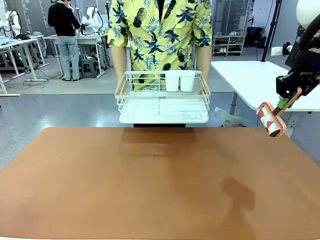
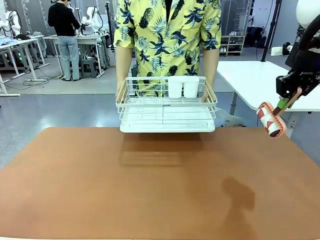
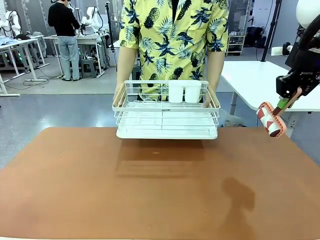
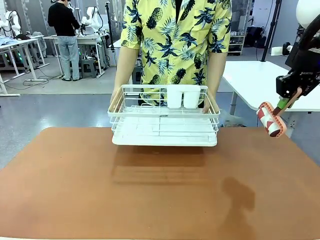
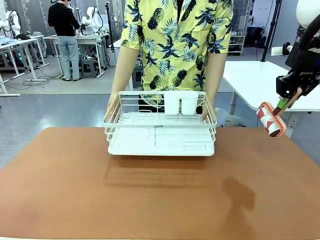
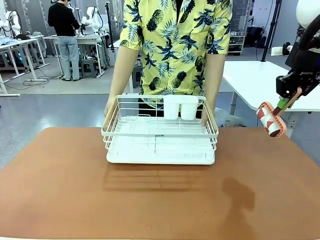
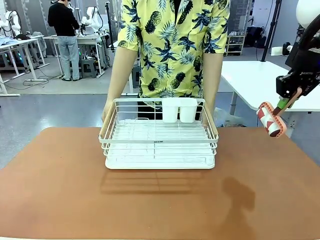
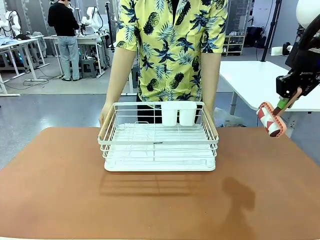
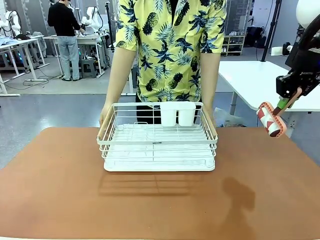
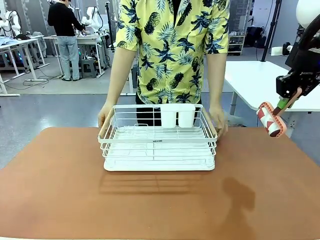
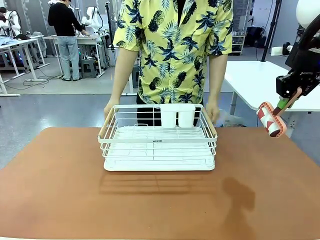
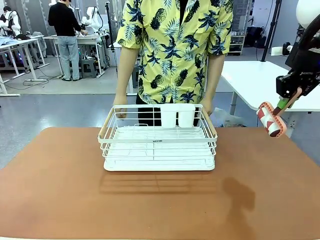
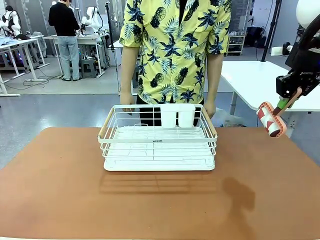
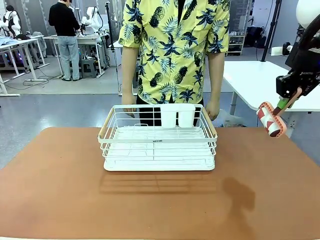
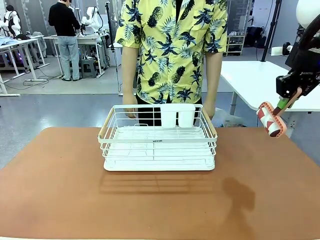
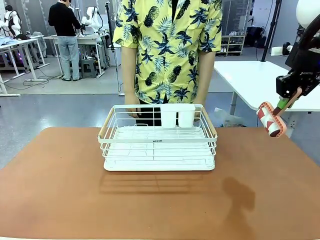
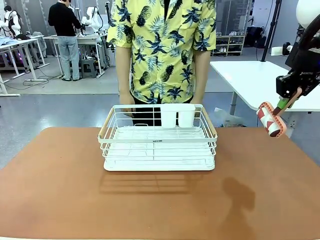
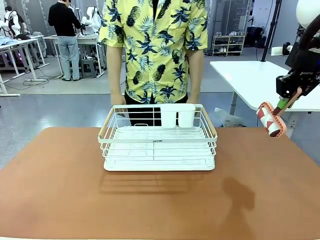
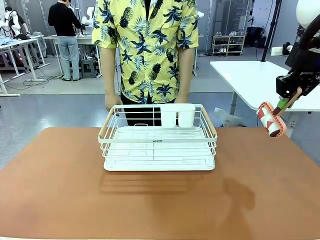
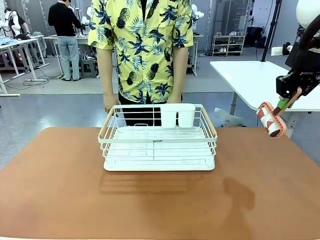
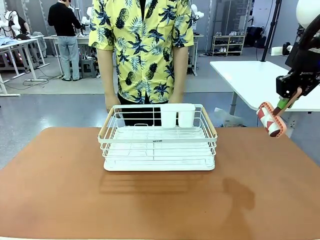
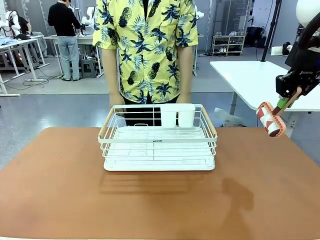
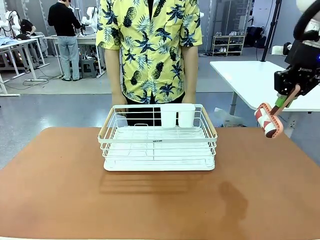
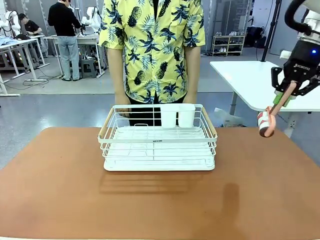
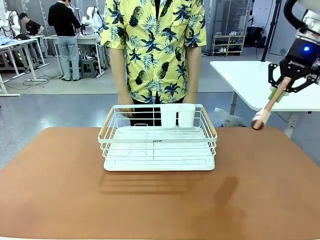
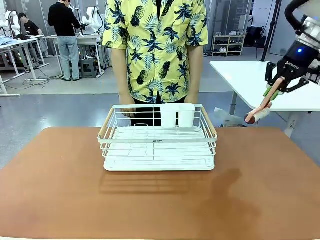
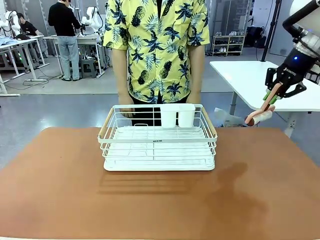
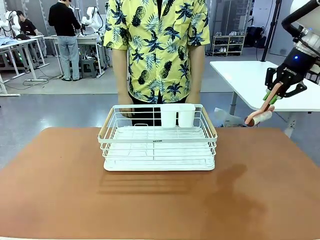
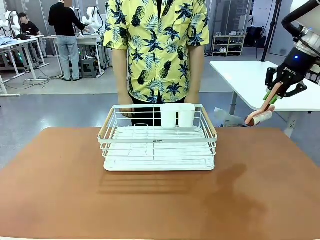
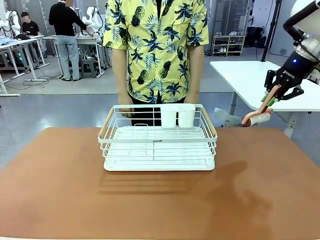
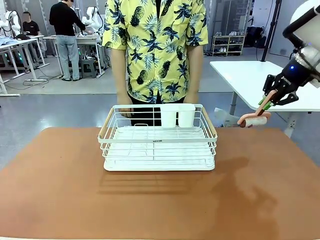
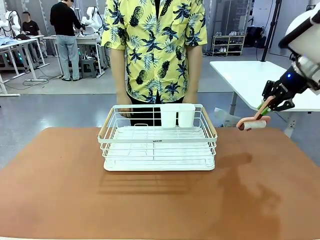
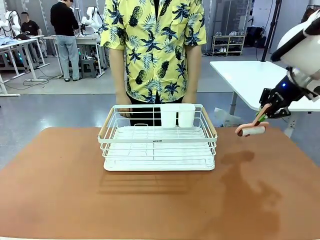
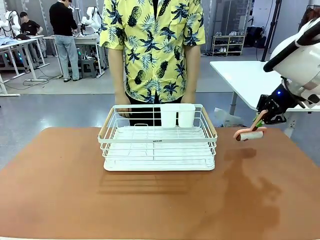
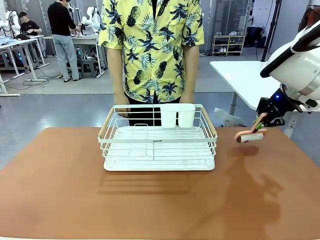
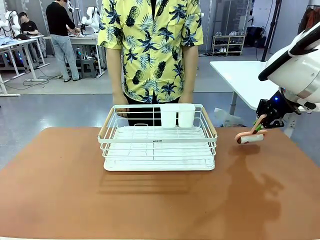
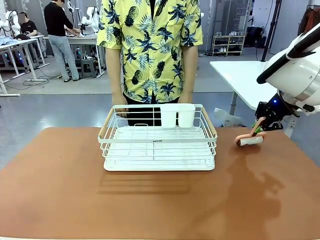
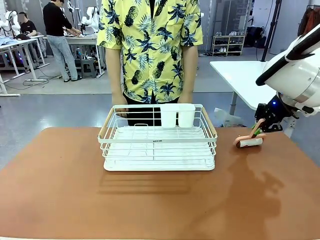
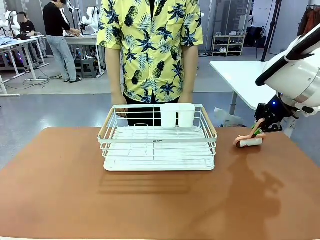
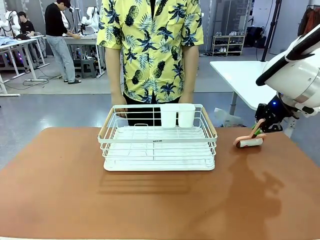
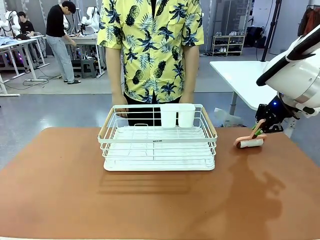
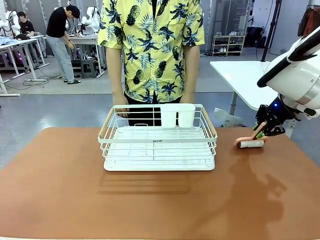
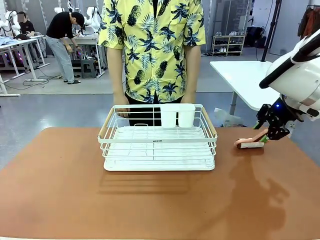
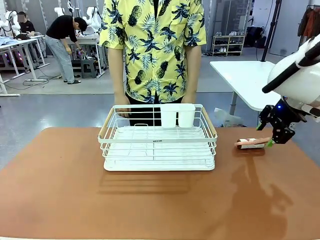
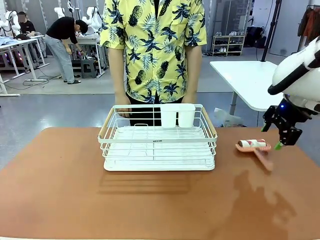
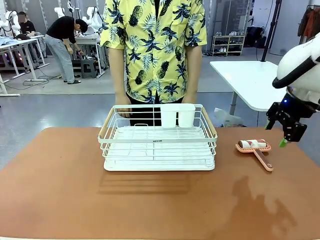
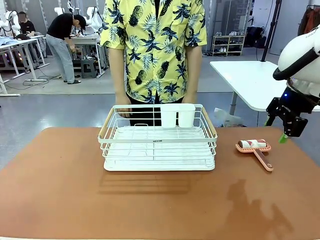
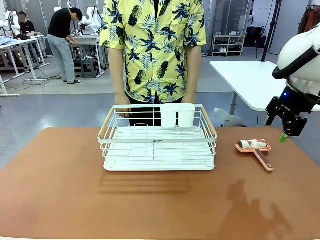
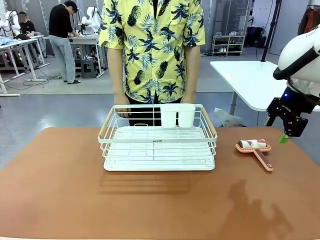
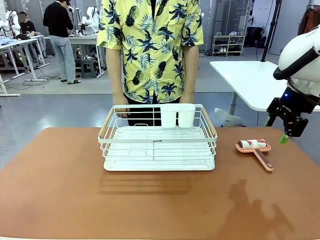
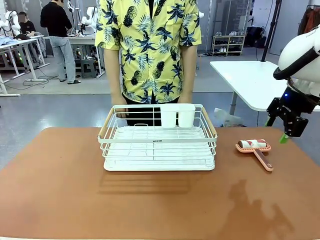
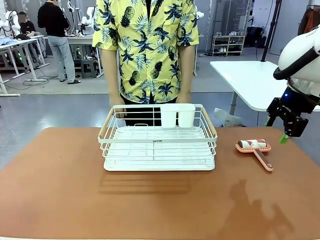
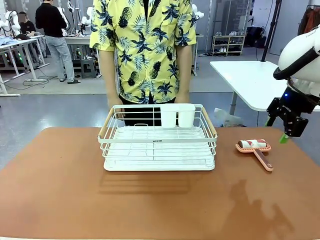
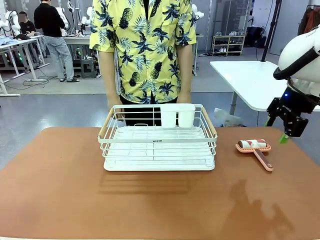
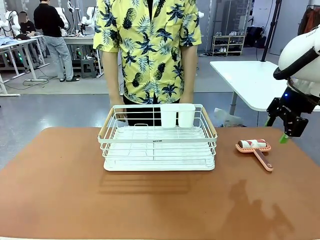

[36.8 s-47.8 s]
Task: Clean the table.
Robot: Place the Lint Roller down when the Dish drying rack is positioned in the middle of the table.

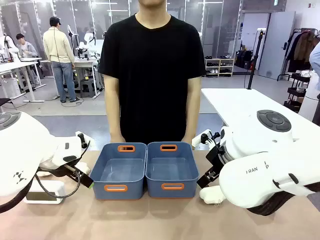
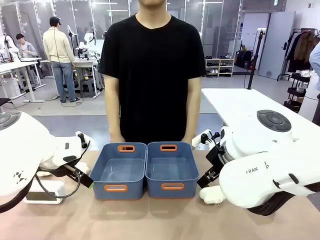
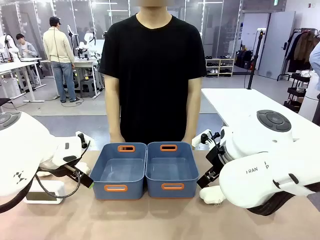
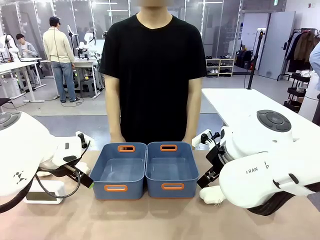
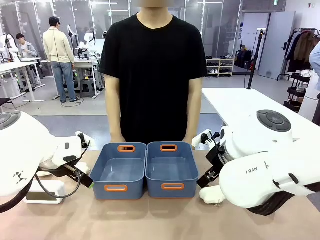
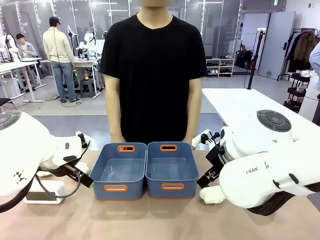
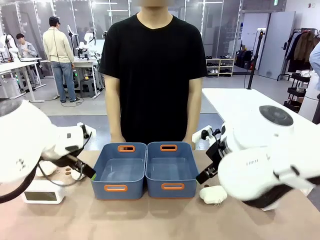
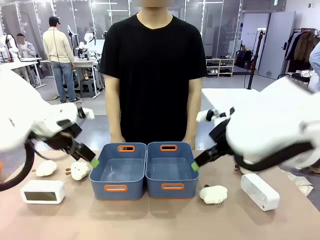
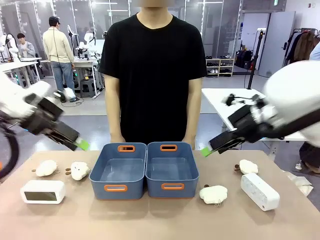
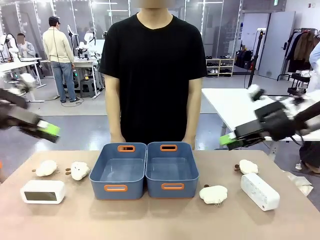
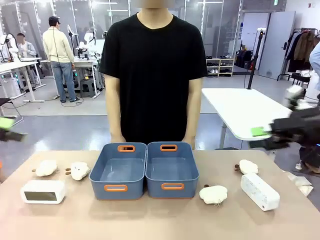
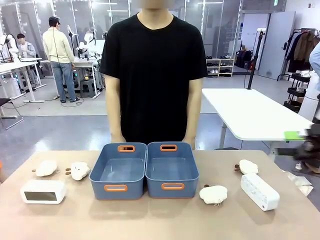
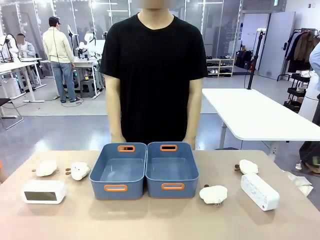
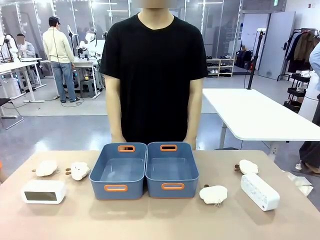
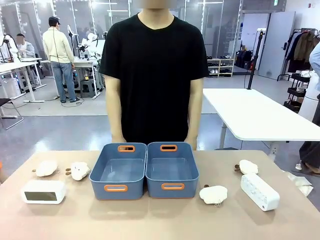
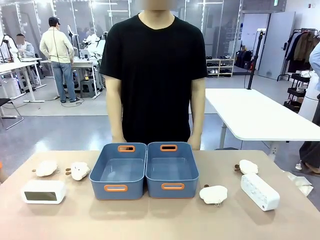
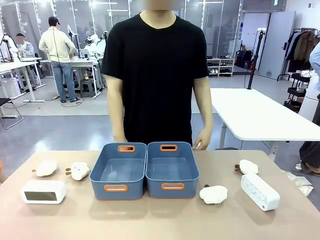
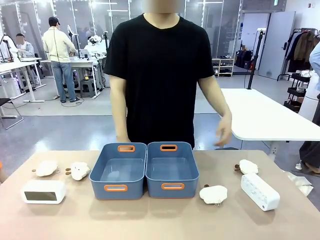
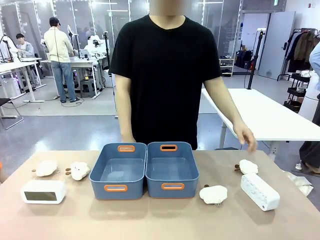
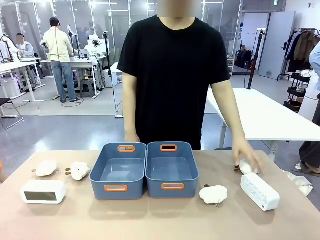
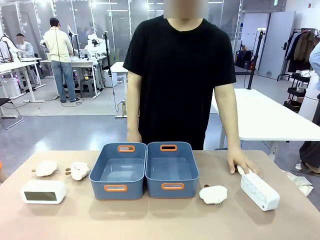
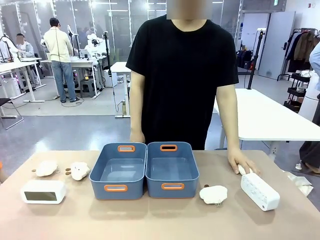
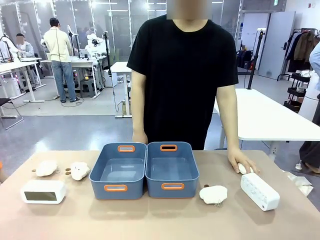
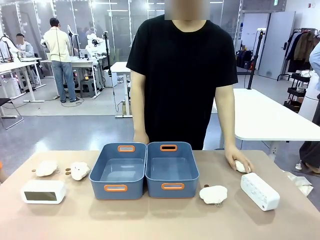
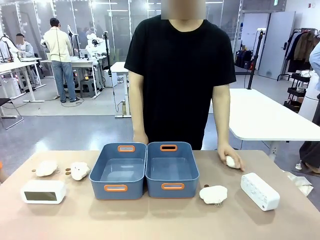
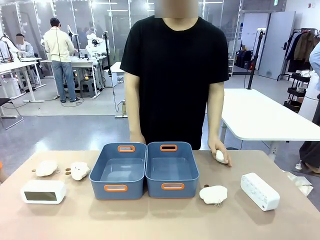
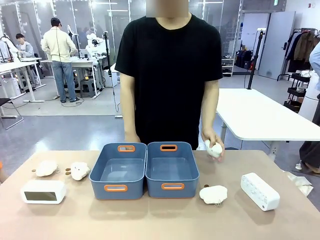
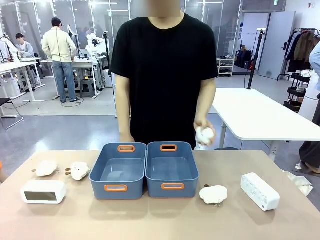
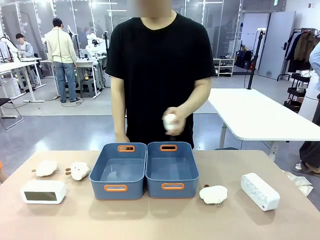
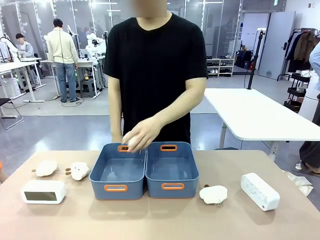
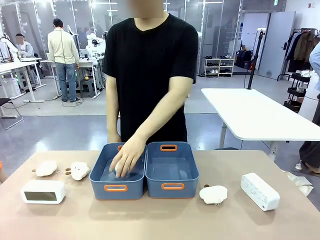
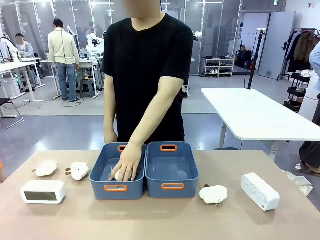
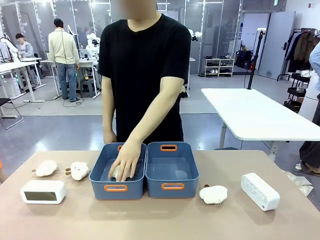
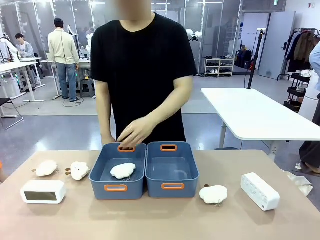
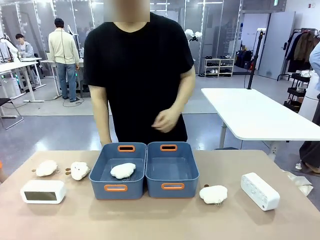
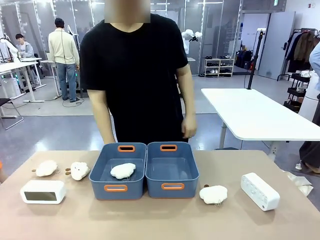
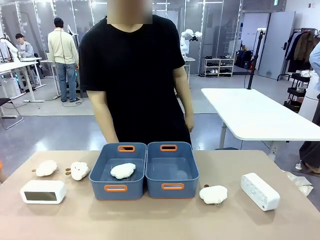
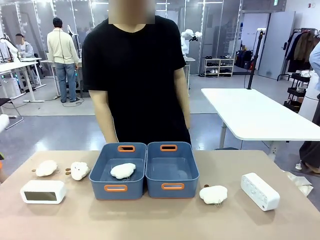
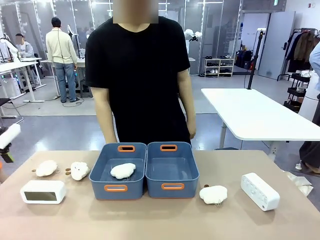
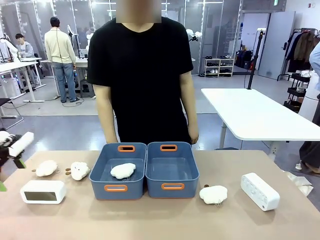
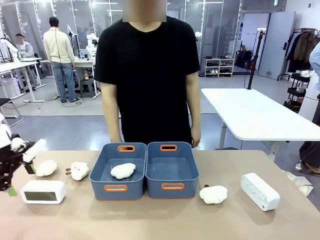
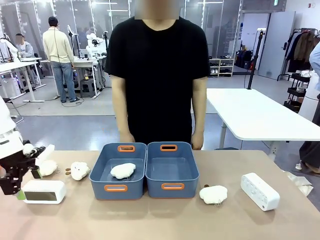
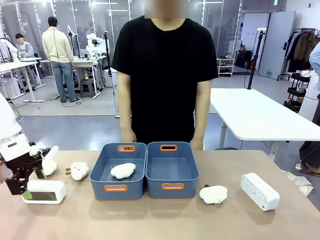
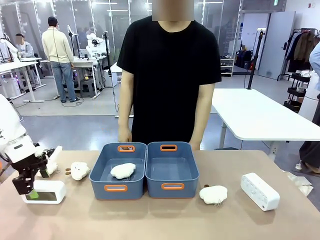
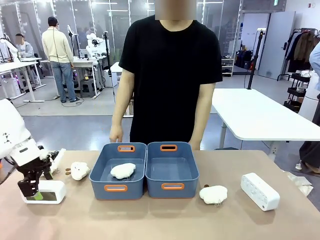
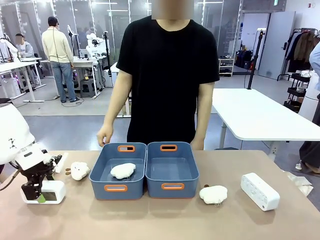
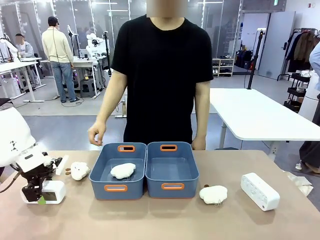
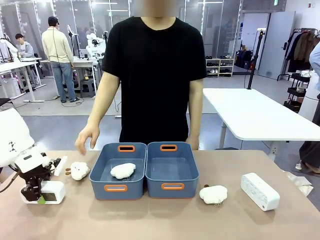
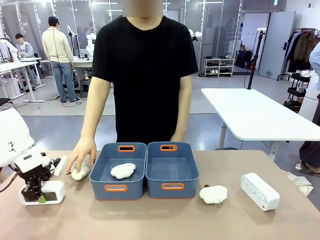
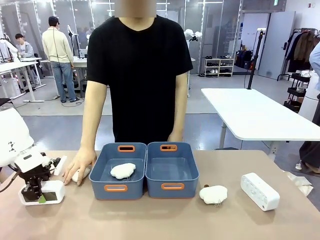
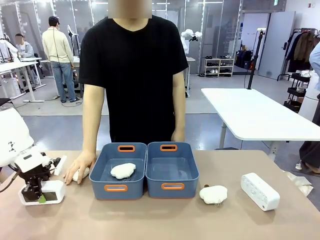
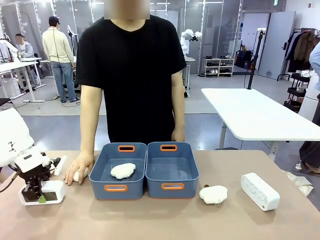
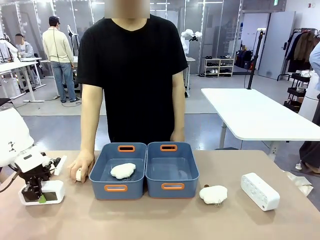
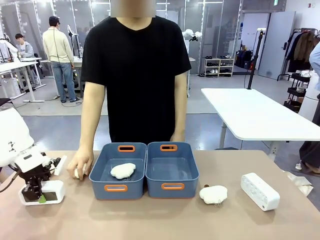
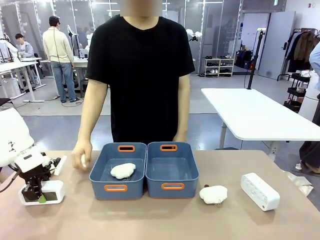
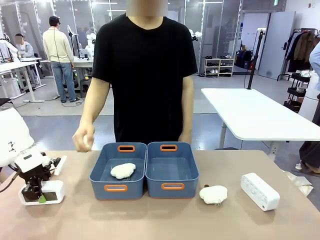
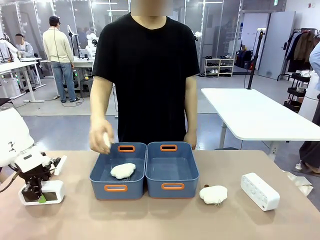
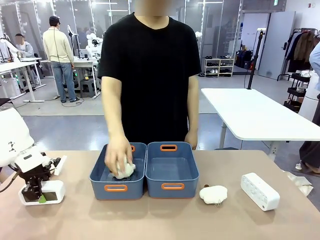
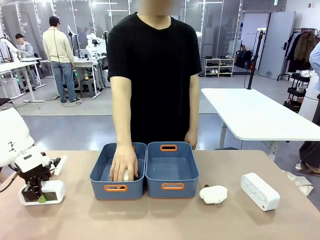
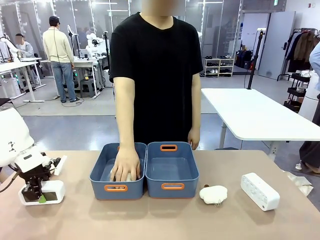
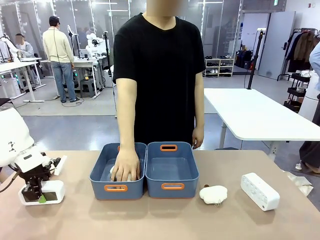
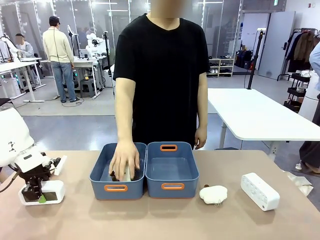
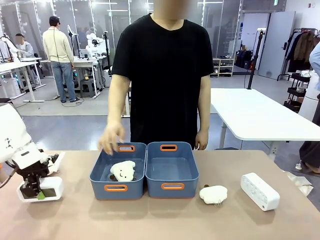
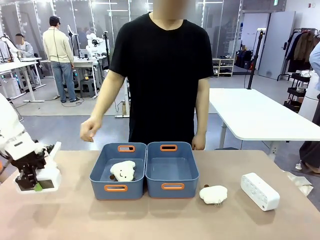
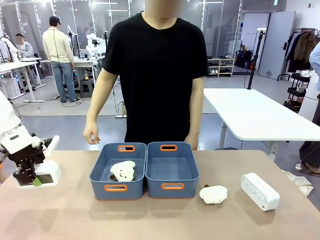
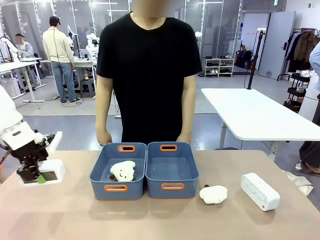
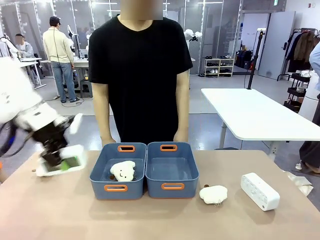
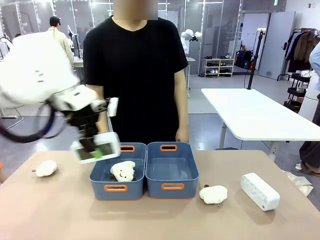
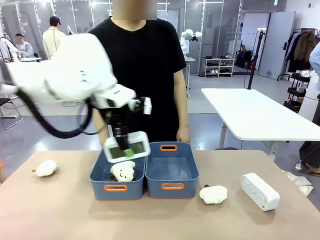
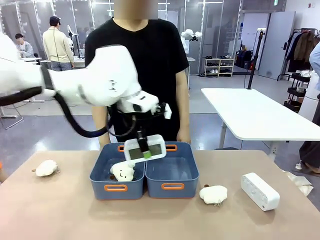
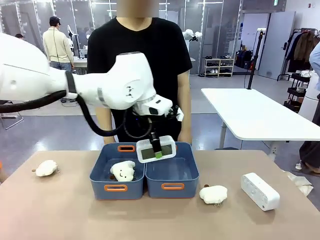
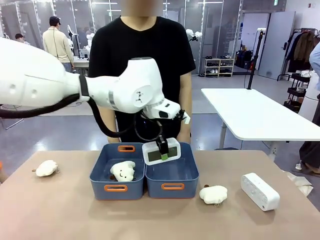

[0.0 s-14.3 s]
Task: Sort the digital clocks into the basket.
Robot: Pick up the Digital clock from the table and place it into the empty Plastic storage basket.
Person: Pick up a plush toy from the table and place it in a plastic storage basket.
